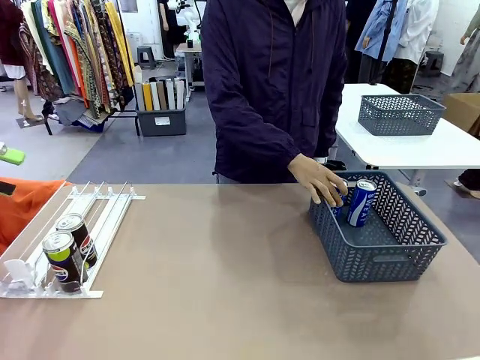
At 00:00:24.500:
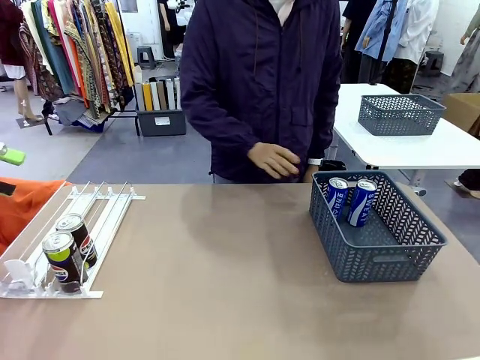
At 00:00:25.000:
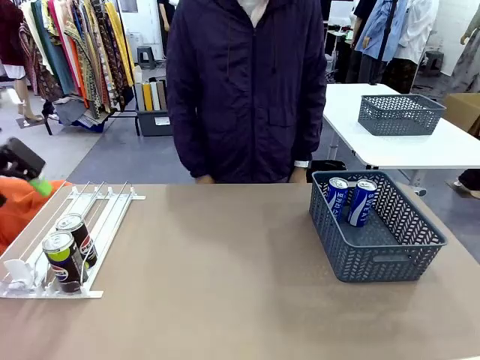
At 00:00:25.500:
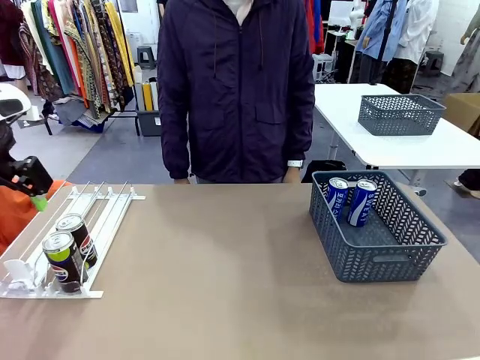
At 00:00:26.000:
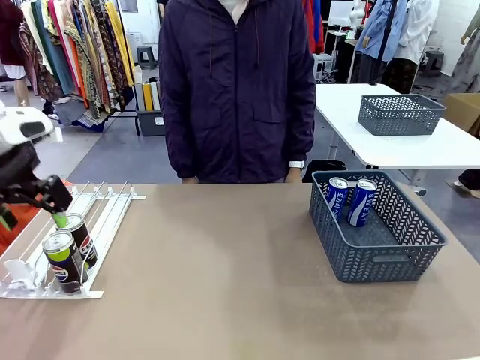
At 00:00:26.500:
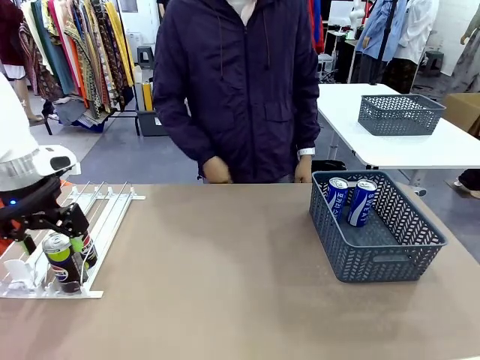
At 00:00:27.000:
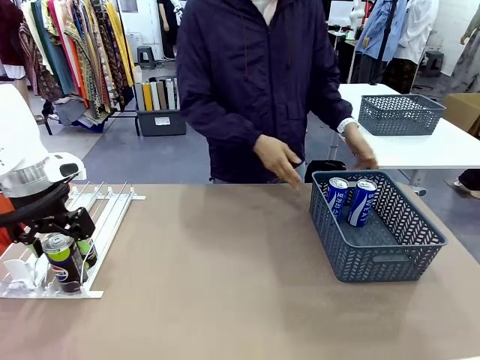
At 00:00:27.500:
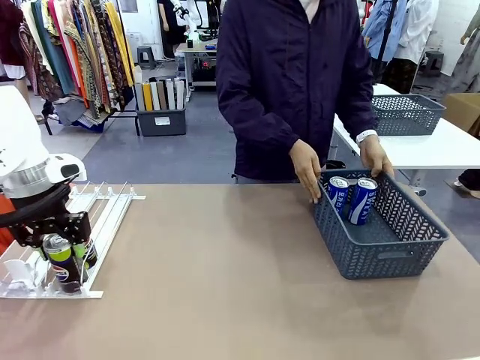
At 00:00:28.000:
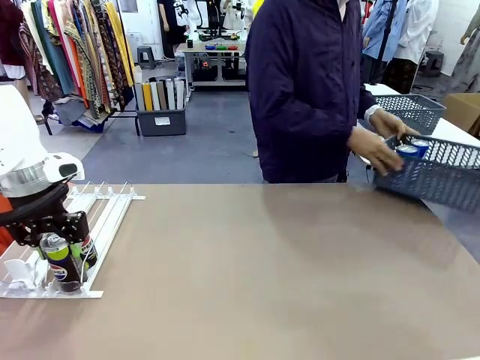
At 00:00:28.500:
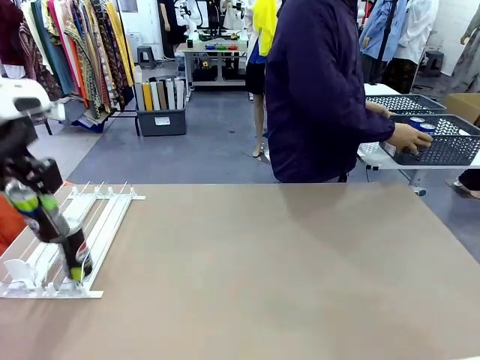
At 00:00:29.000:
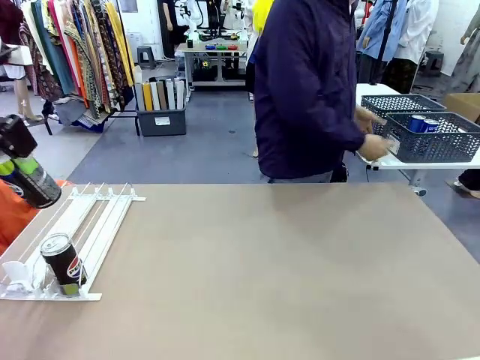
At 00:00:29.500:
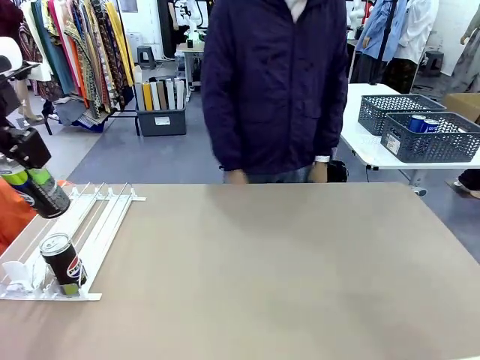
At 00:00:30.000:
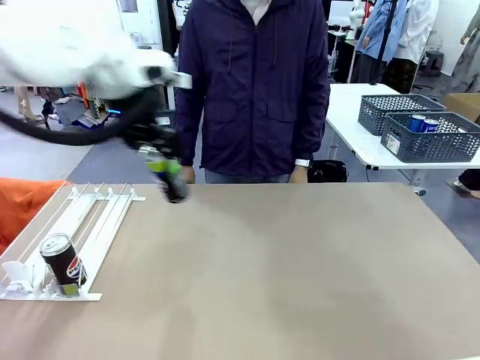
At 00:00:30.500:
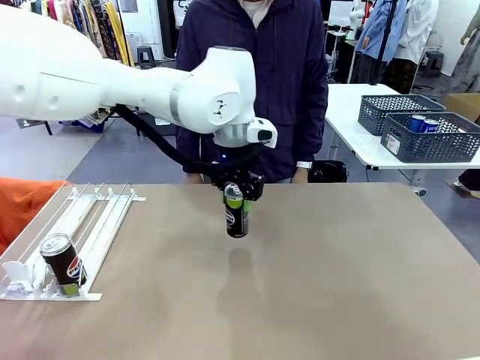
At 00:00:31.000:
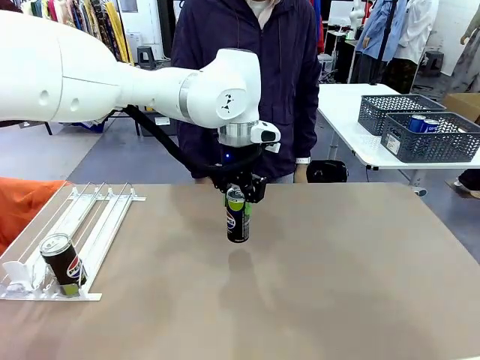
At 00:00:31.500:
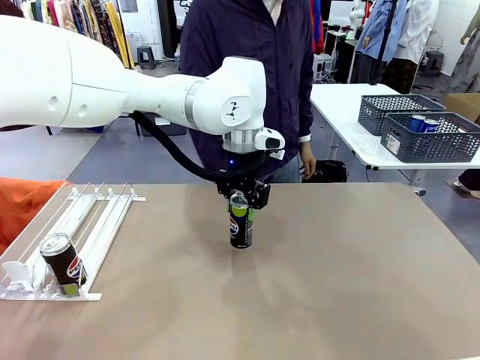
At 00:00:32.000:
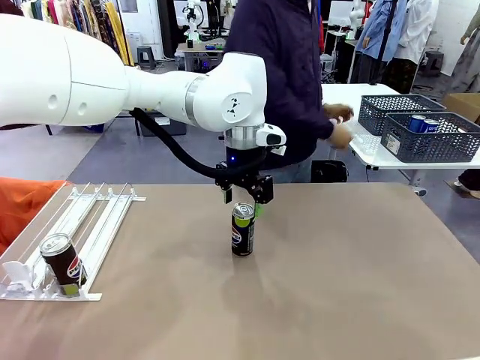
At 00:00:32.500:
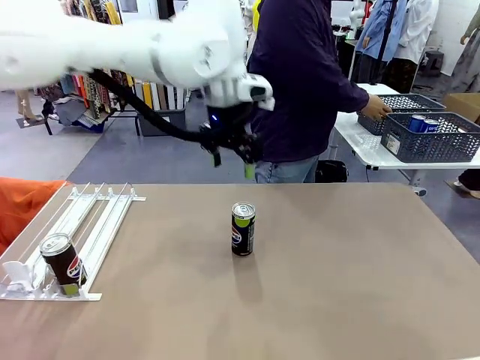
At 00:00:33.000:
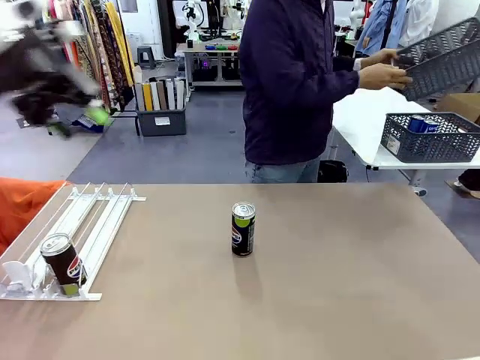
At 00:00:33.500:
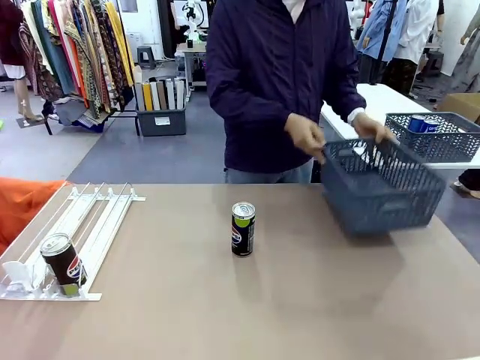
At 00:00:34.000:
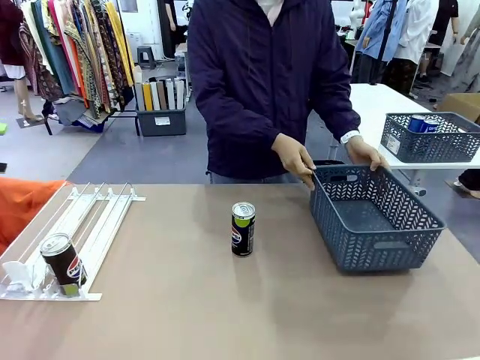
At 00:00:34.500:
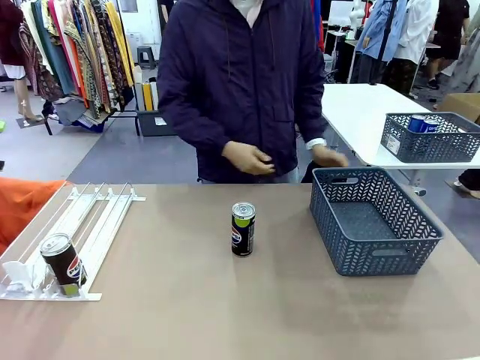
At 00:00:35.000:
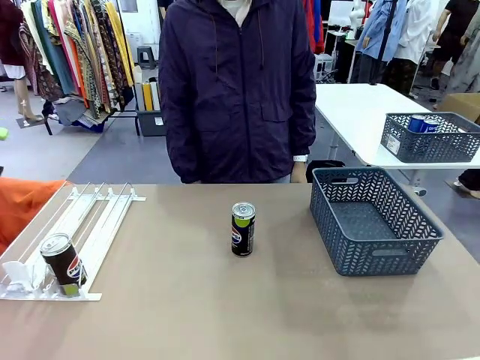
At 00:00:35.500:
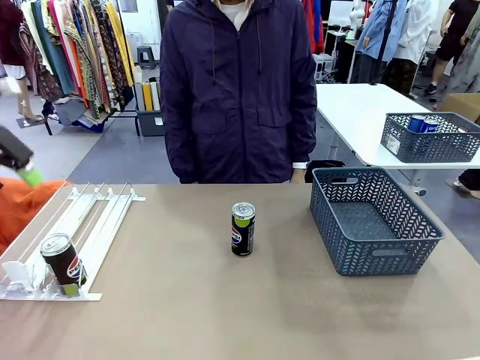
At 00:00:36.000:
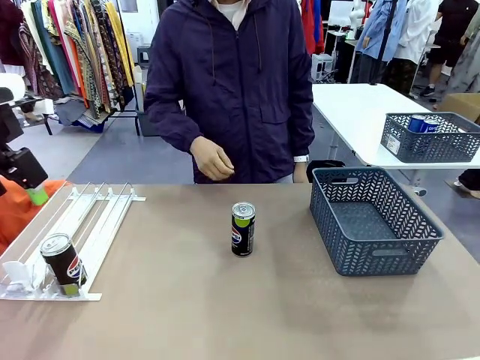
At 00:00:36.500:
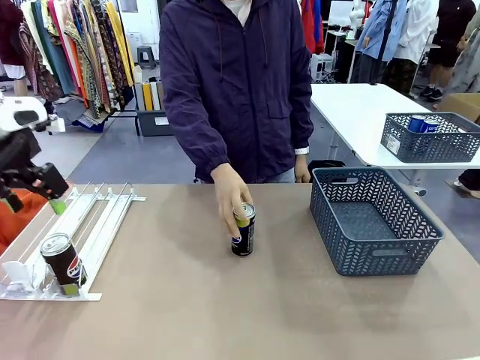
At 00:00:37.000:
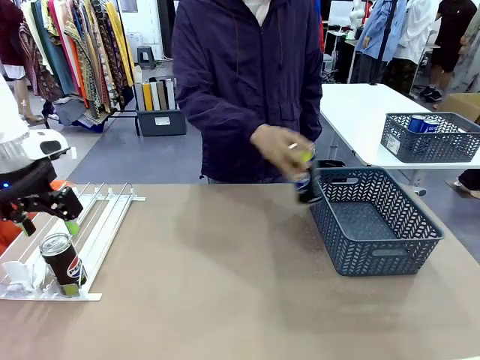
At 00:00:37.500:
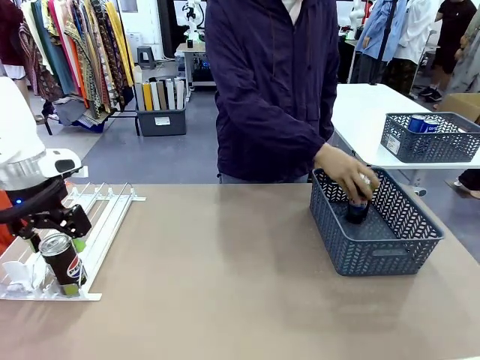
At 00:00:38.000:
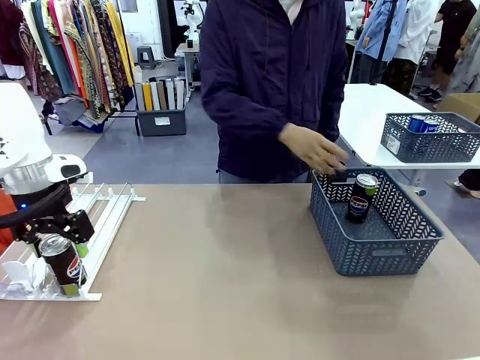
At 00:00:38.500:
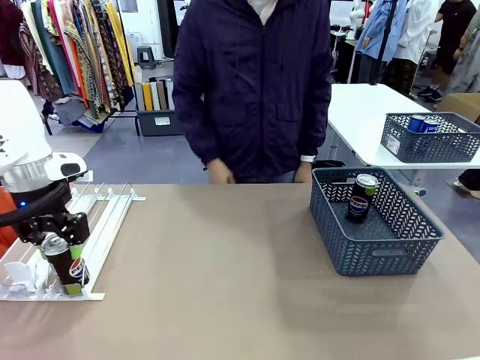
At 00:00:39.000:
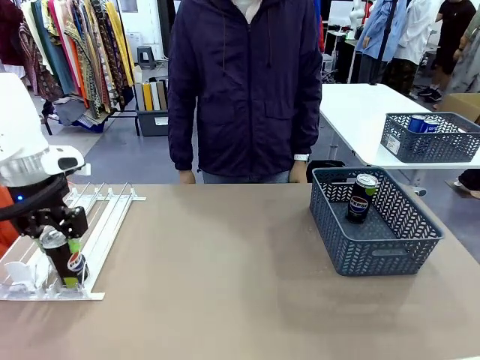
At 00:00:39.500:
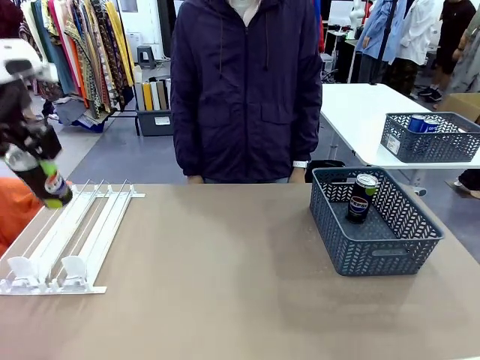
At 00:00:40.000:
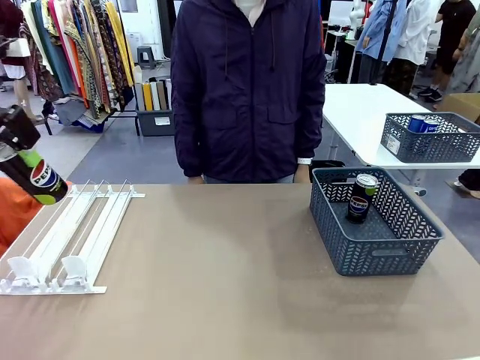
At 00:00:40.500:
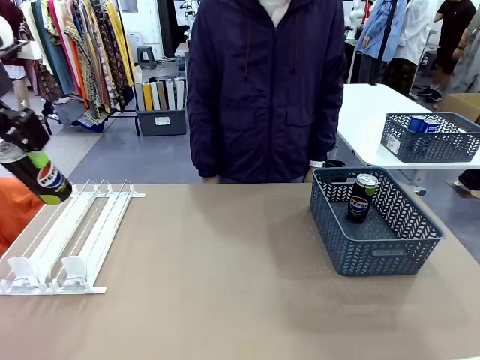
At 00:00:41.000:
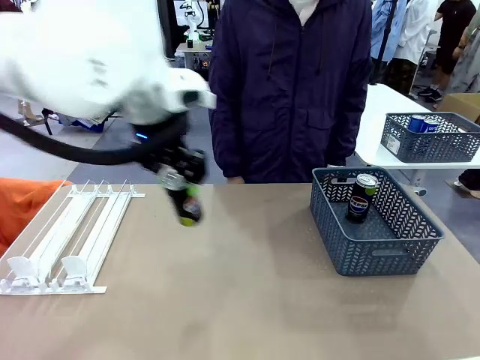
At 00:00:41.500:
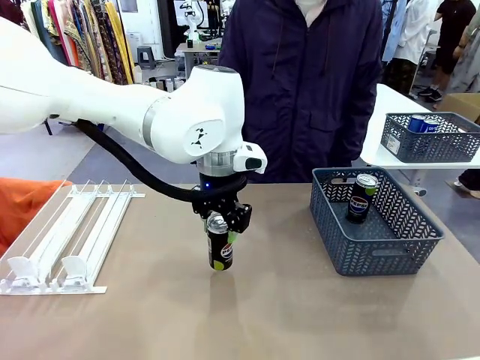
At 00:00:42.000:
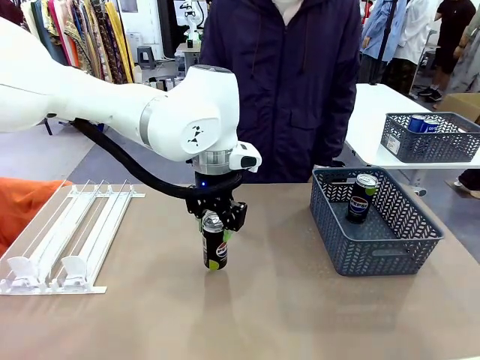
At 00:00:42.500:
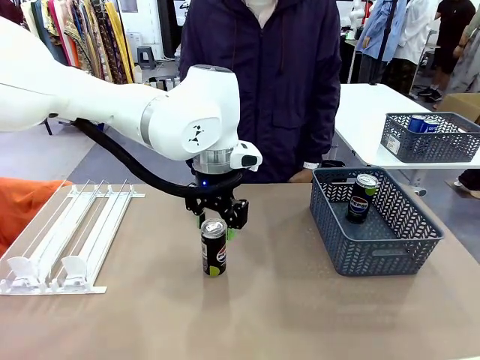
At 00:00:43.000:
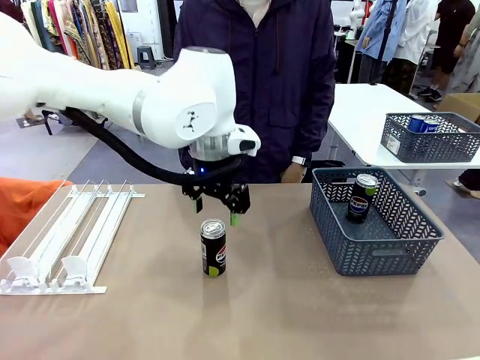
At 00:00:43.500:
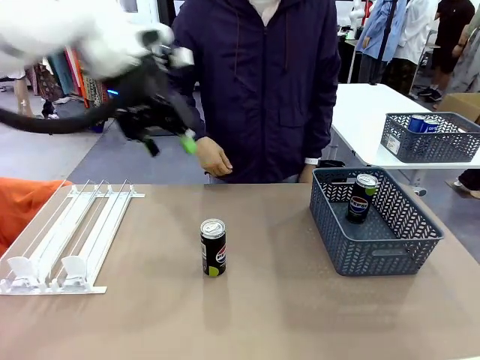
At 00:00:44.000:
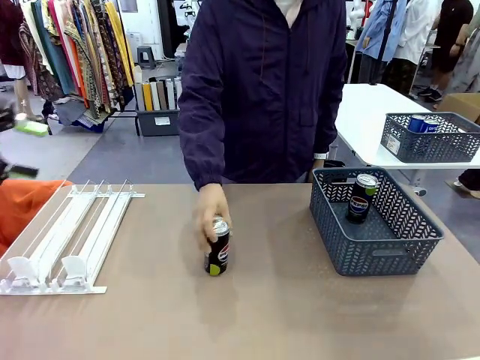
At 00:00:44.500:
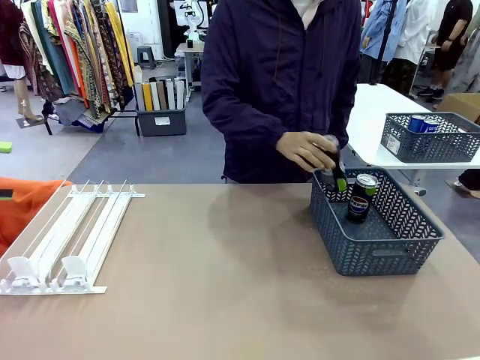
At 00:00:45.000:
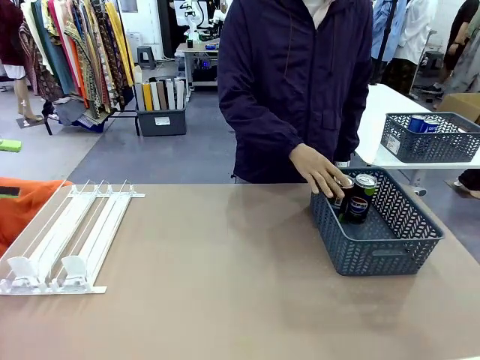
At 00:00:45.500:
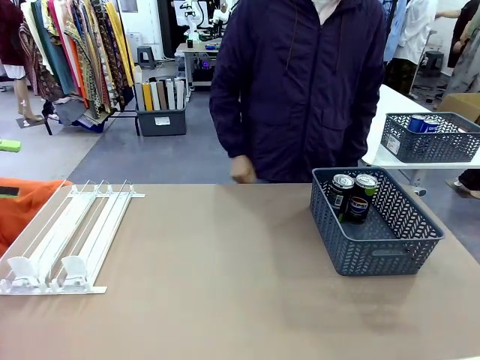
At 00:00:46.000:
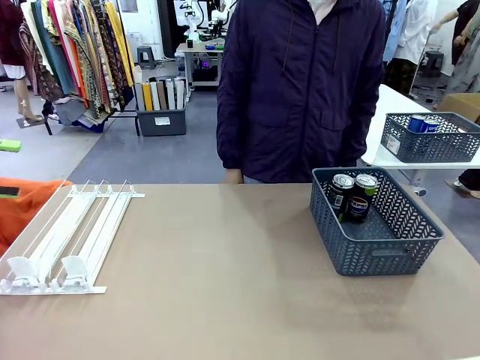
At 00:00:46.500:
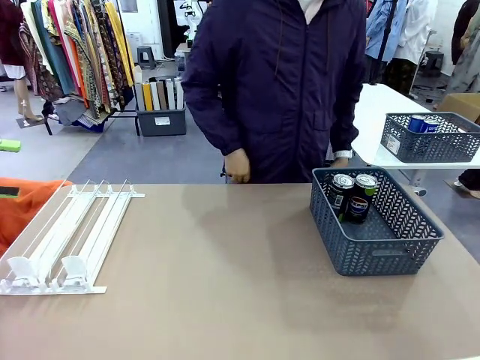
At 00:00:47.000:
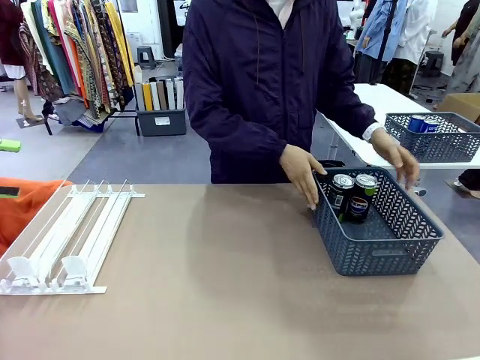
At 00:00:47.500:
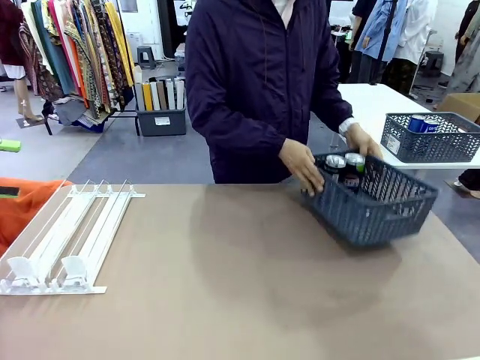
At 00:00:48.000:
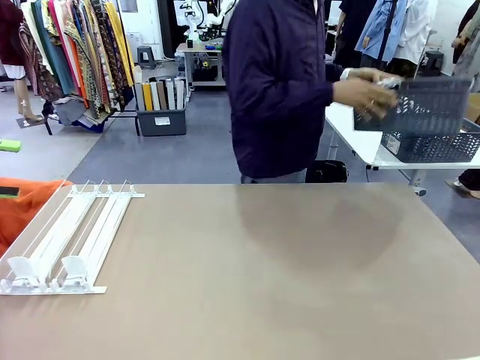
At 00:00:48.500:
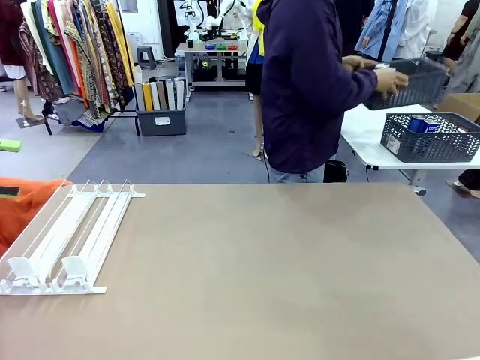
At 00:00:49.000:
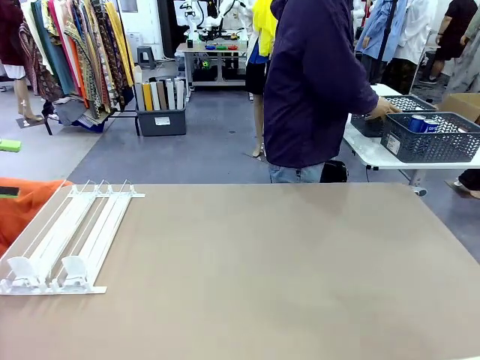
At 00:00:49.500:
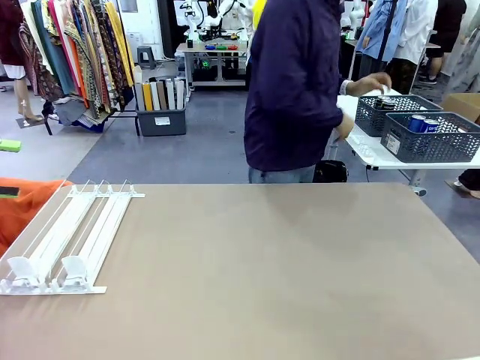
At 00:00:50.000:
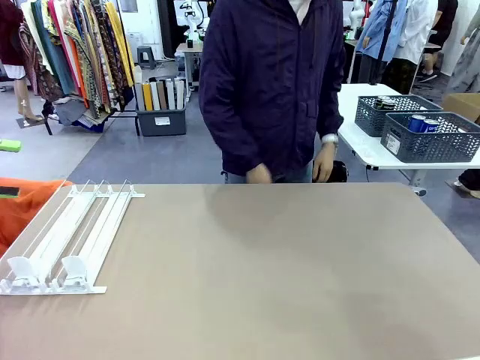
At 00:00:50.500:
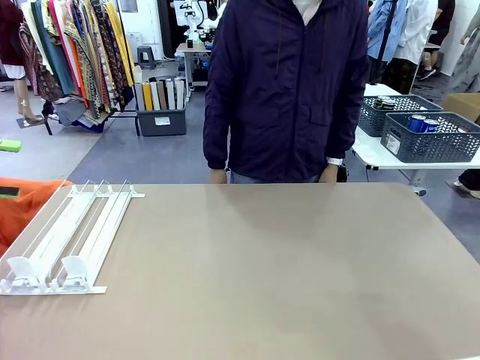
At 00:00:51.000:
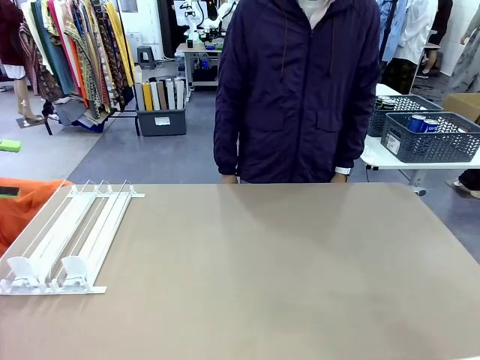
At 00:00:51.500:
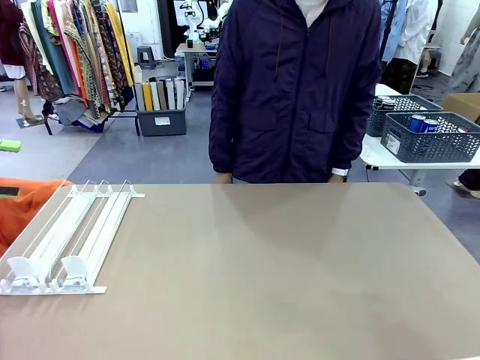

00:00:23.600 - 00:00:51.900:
Task: Retrieve and store the cans from the dispenser.
Robot: Pick up one can from the Automatic Can Dispenser and place it in the middle of the table.
Person: Pick up the basket and place it in the middle of the human table. Pick up the empty basket and place it on the left side of the robot table. Pick up one sports drink can from the middle of the robot table and place it in the basket. Pick up the basket and place it in the middle of the human table.
